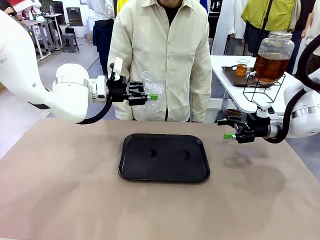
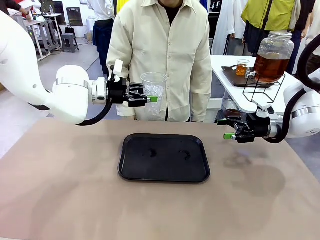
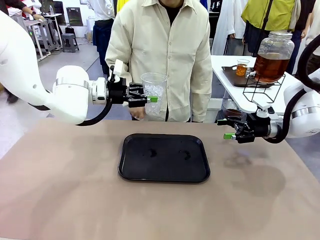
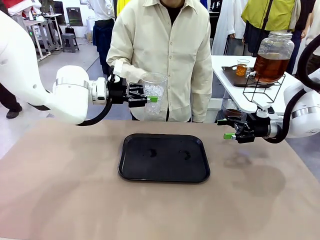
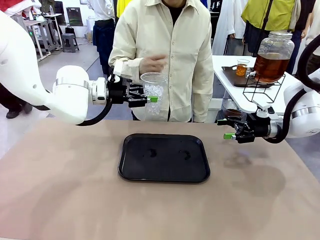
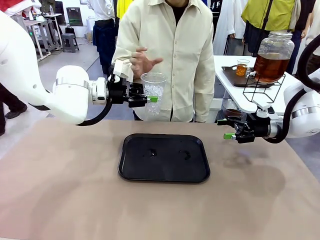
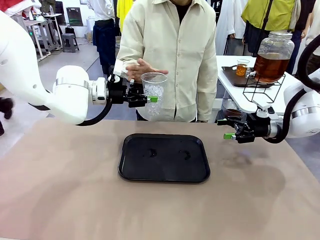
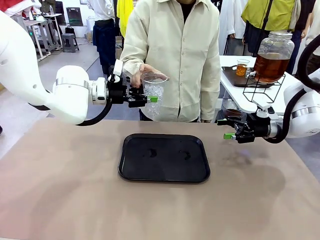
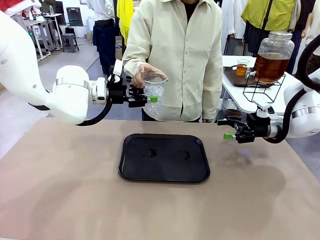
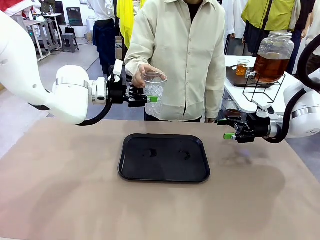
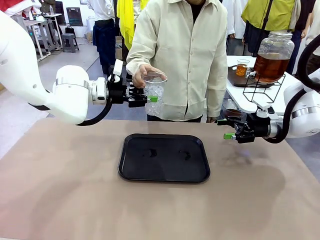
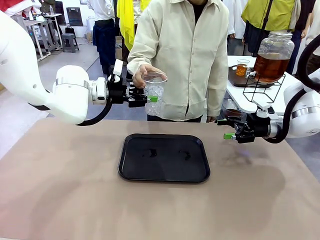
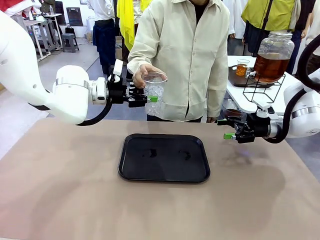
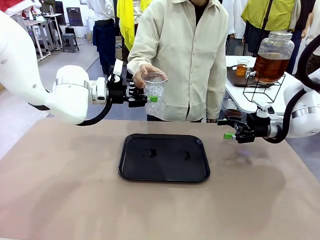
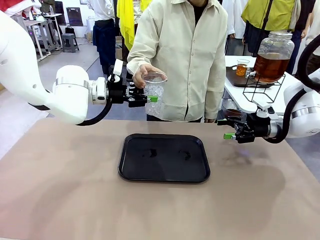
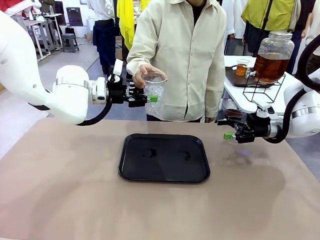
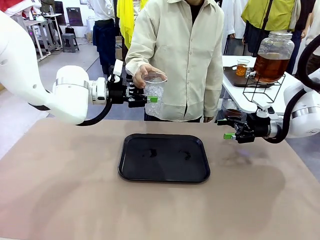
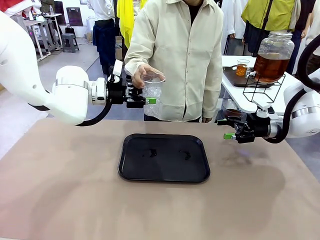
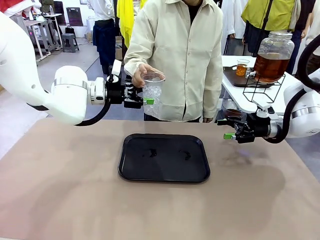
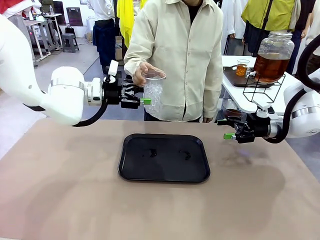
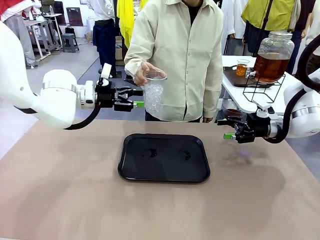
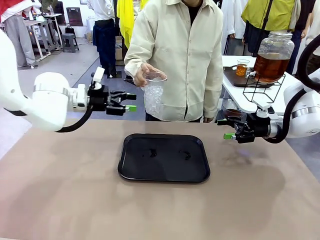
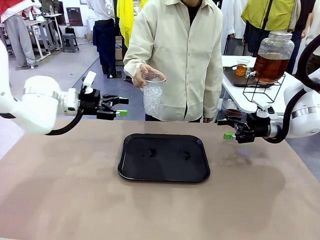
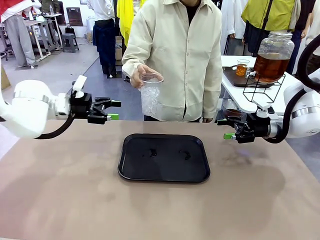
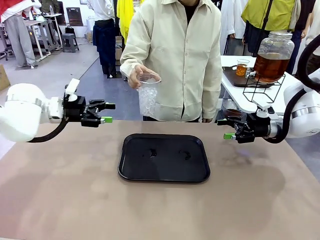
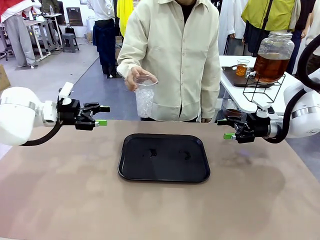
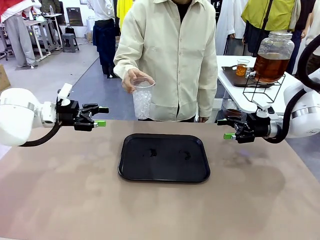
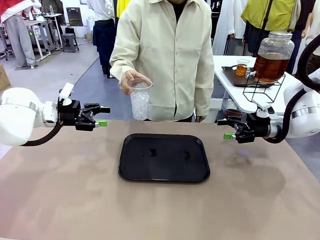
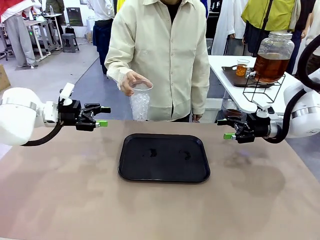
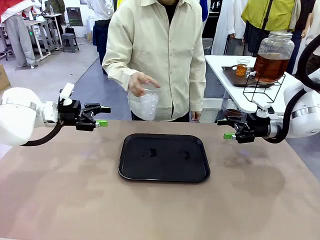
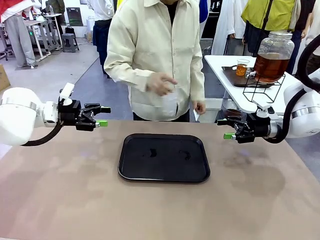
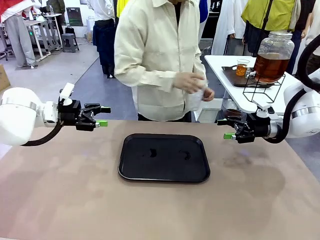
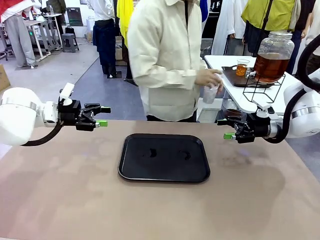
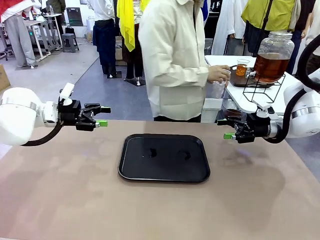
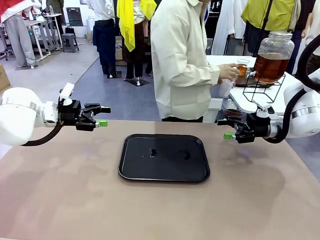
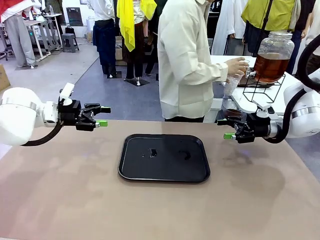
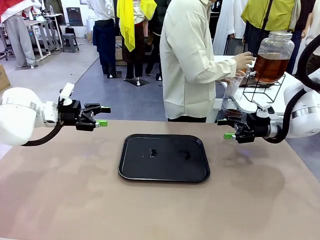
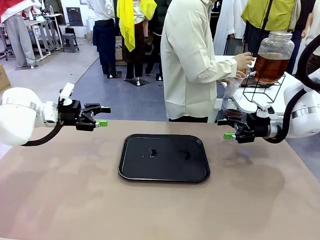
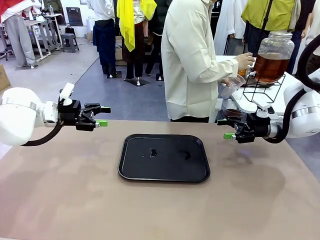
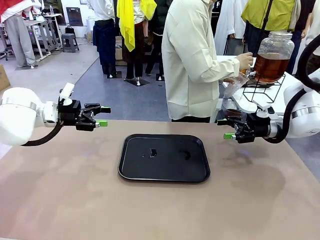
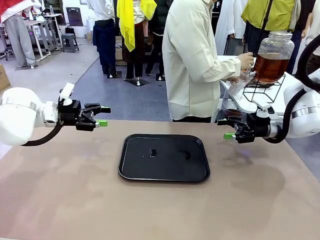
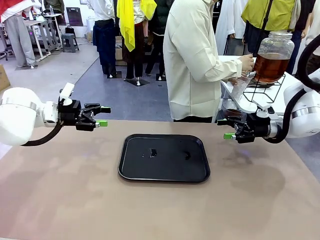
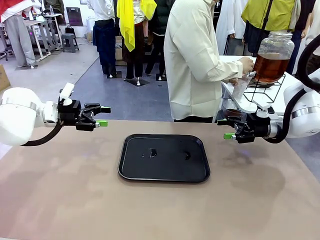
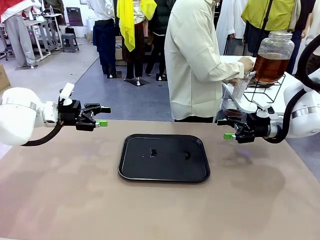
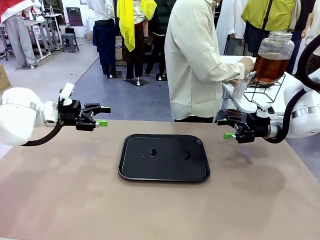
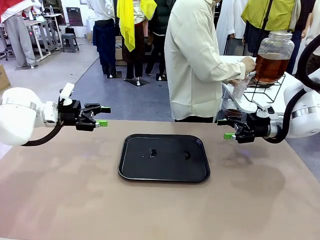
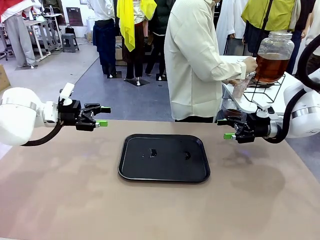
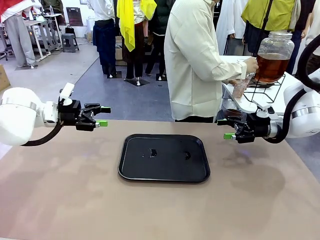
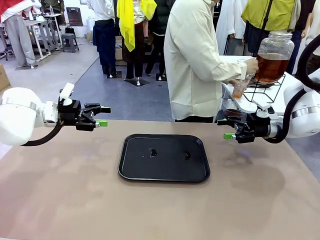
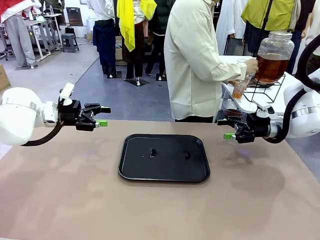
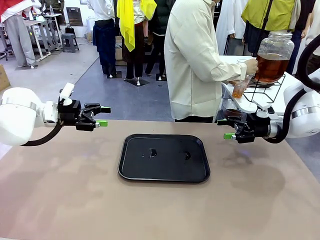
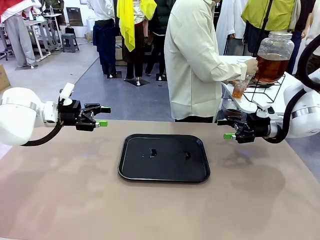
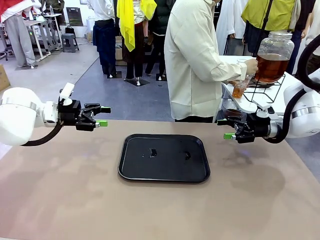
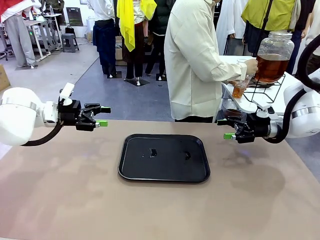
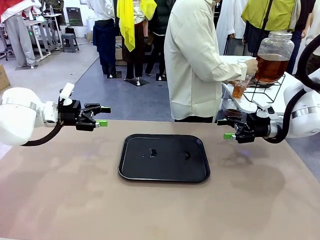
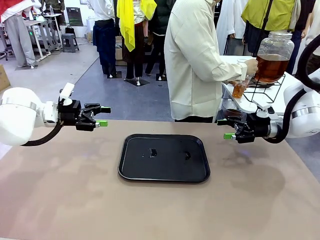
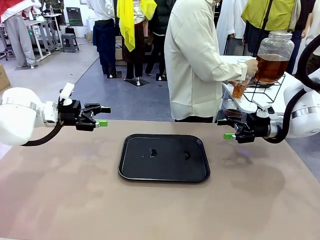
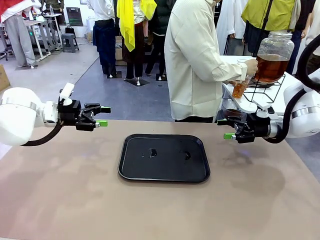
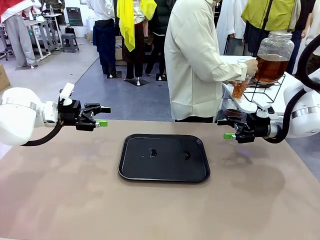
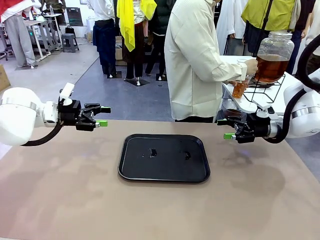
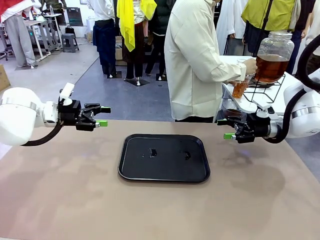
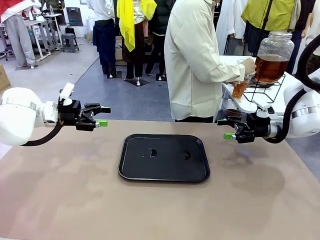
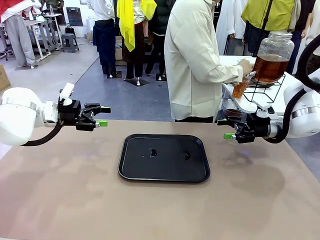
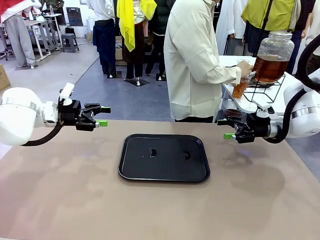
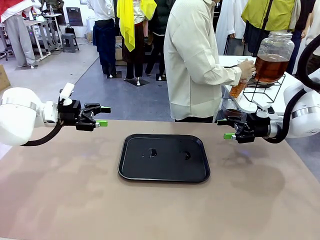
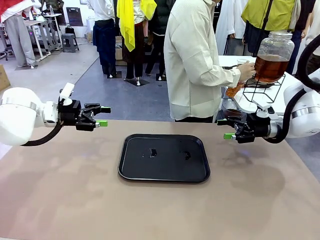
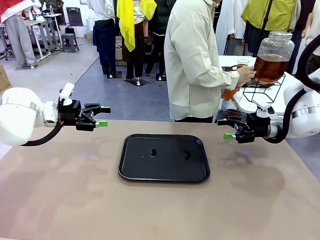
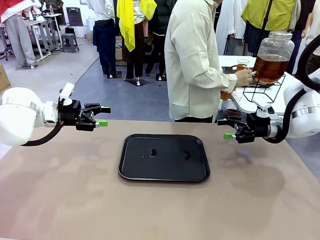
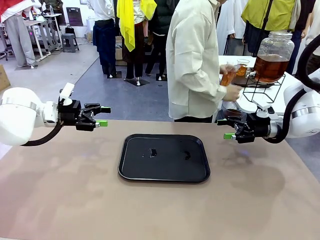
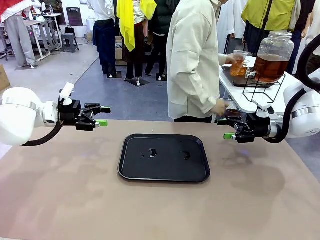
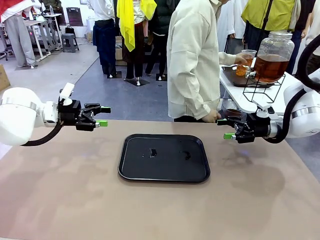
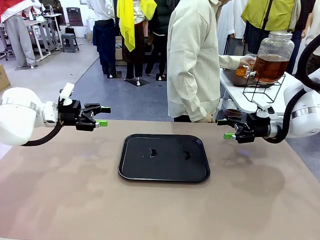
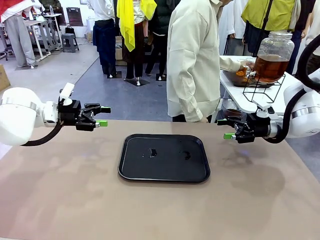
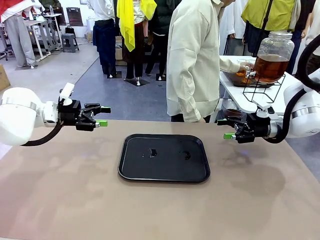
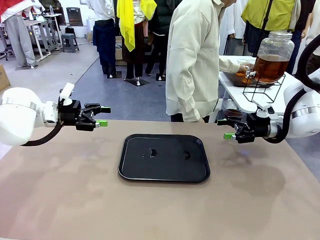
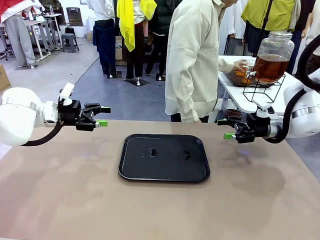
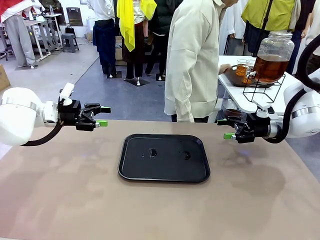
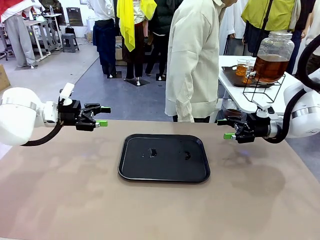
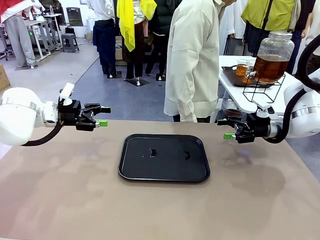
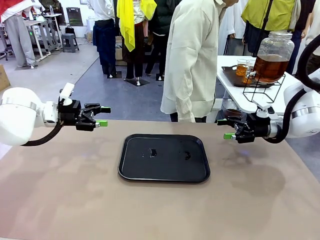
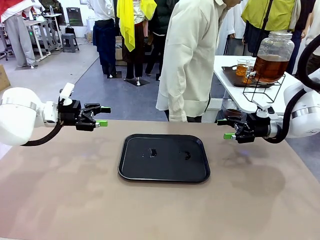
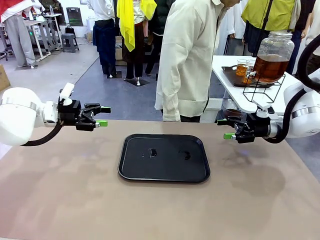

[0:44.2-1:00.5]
Task: Pour the drink into the iced cup.
Robot: Open the gripper to release the iced cup you were holding.
Person: Move the picked-up cup under the dispenser faucet, pour the drink, and place it on the tray on the human table.

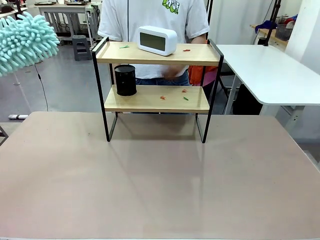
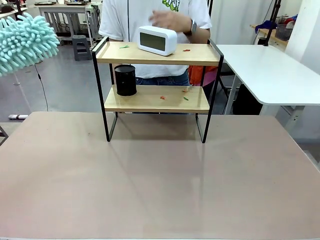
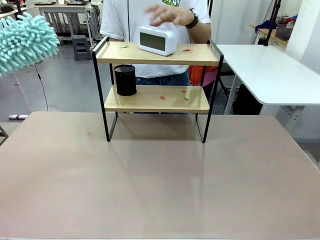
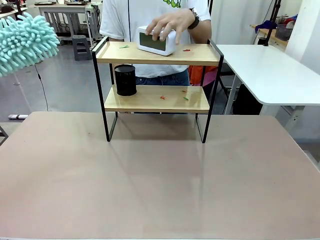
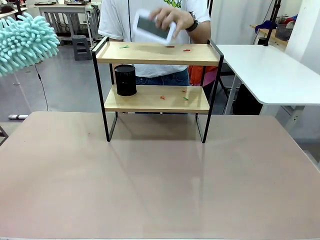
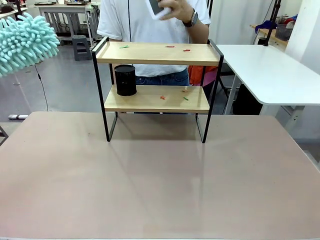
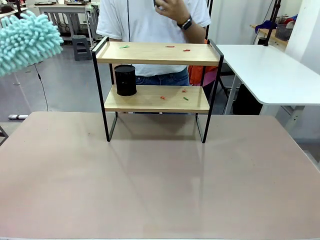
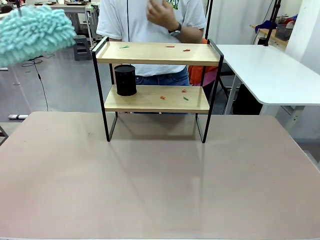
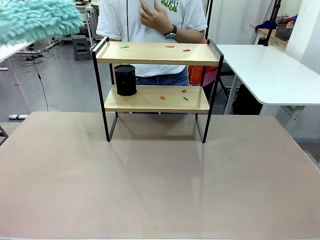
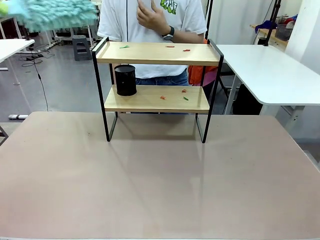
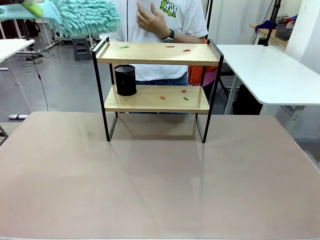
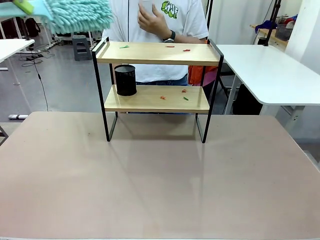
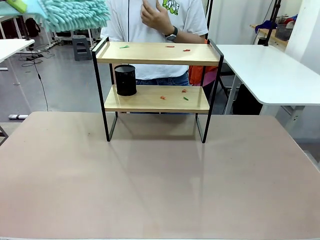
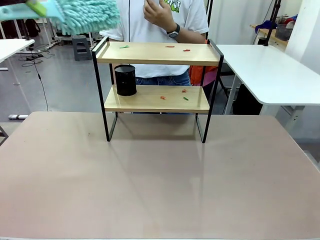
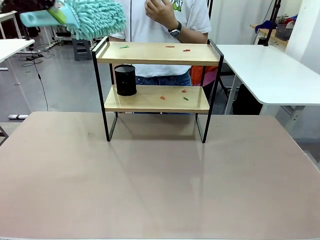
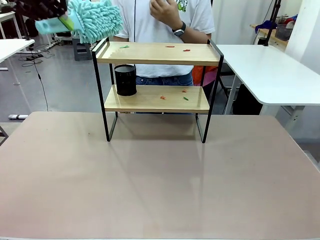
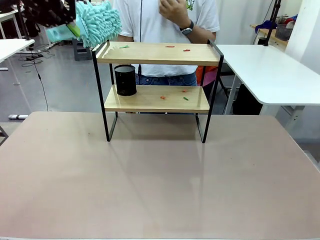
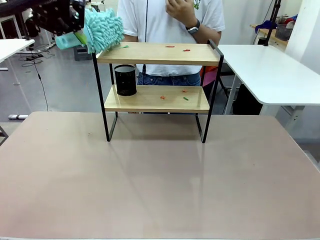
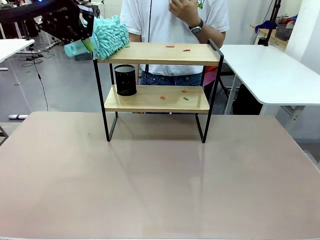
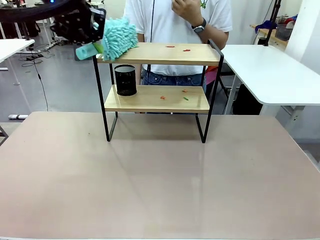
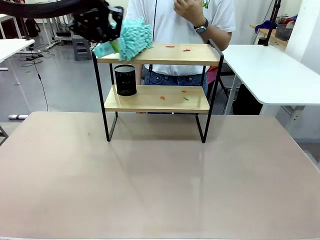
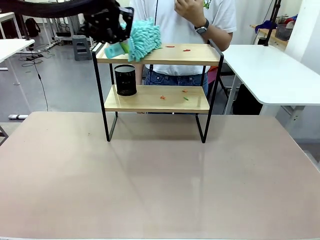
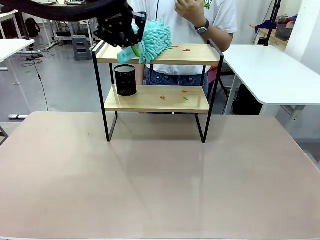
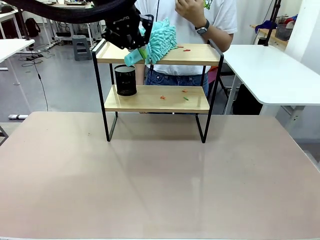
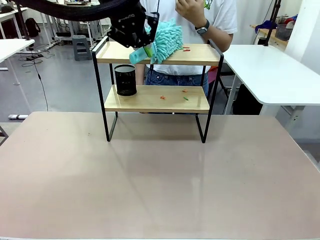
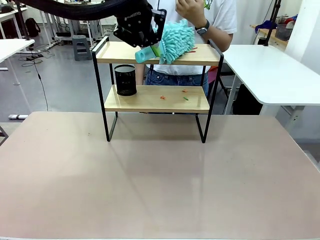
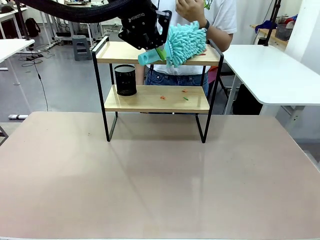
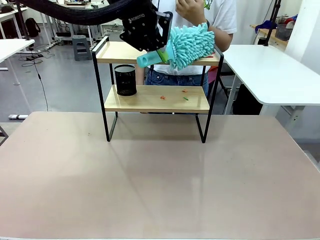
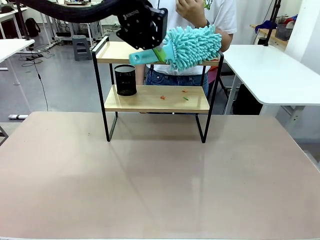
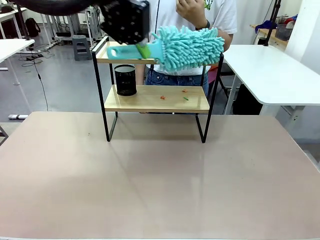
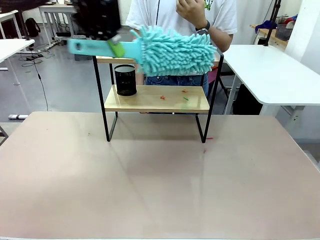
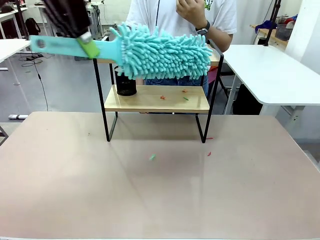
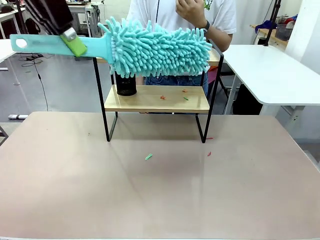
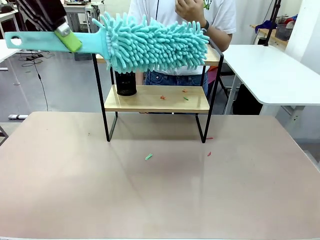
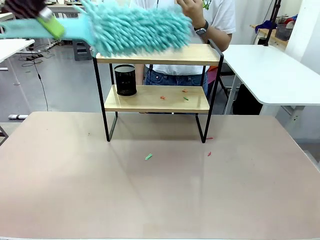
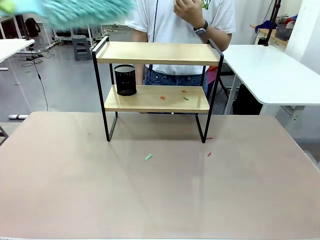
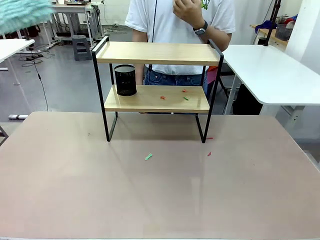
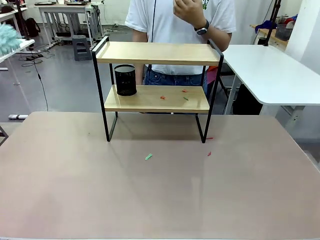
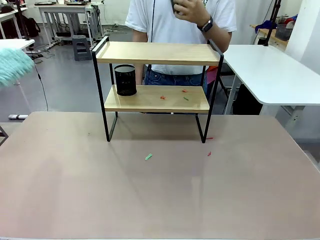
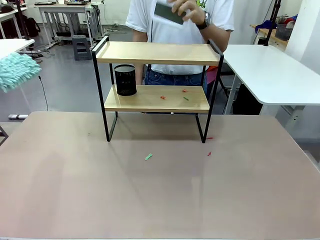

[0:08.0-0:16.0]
Task: Clean the shelf.
Robot: Clean the specific tier of the Shelf with the Duster once objects are removed.
Person: Lift the objects on a randomly selected tier of the Shelf. Once the robot finishes cleaning, lift the objects on the remaining tiers of the Shelf.
